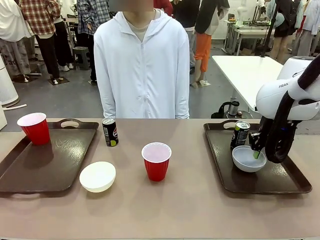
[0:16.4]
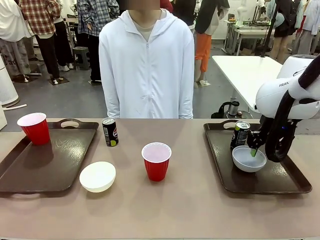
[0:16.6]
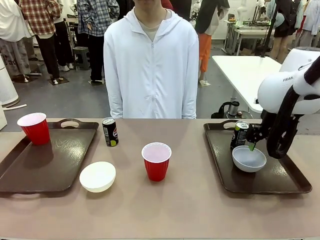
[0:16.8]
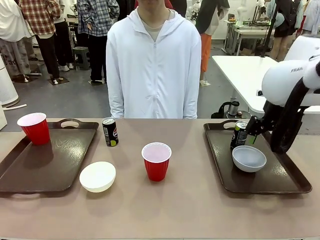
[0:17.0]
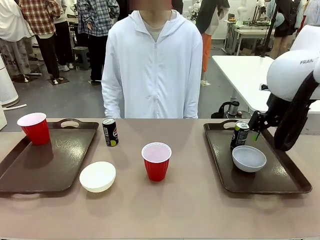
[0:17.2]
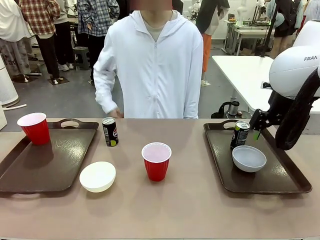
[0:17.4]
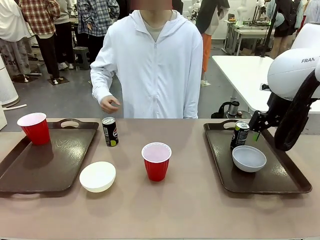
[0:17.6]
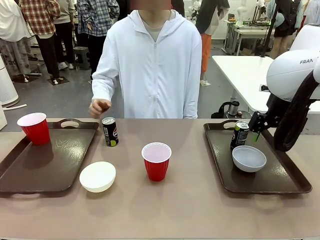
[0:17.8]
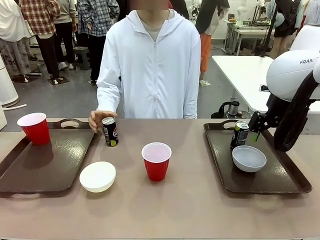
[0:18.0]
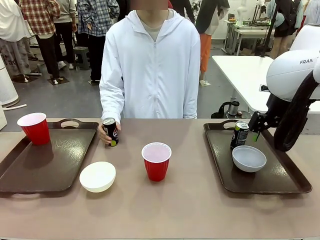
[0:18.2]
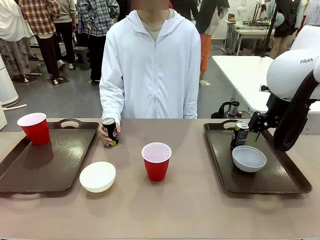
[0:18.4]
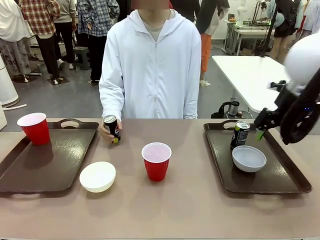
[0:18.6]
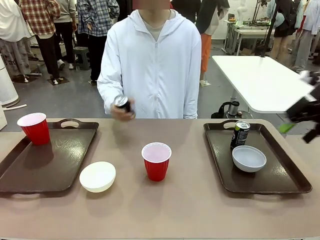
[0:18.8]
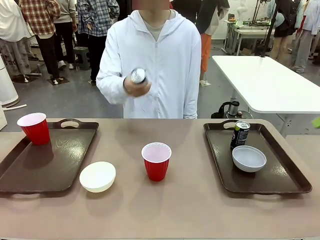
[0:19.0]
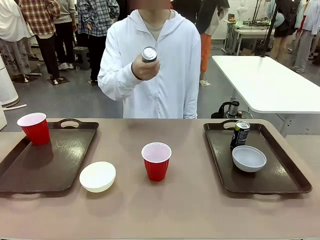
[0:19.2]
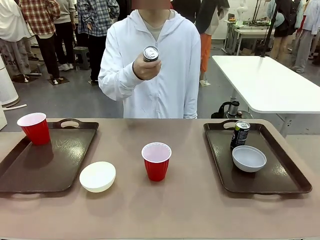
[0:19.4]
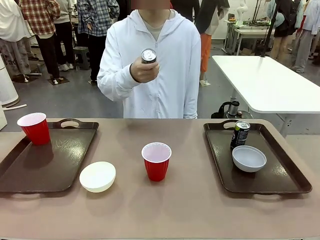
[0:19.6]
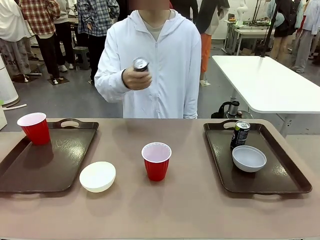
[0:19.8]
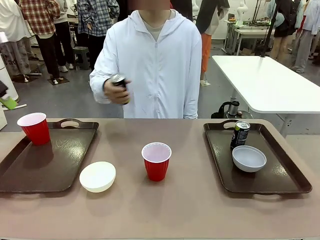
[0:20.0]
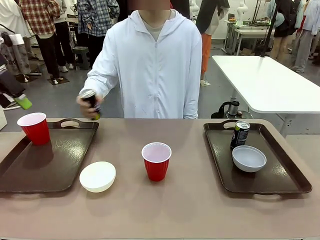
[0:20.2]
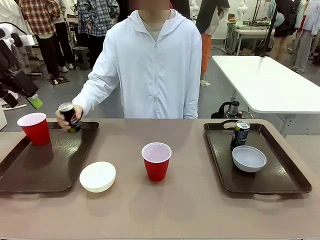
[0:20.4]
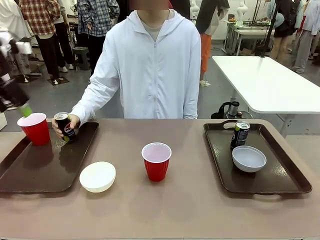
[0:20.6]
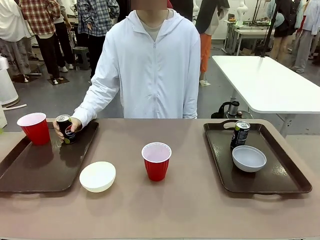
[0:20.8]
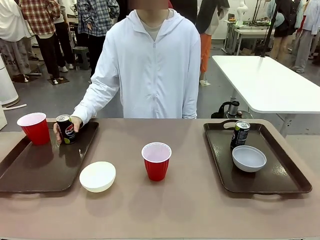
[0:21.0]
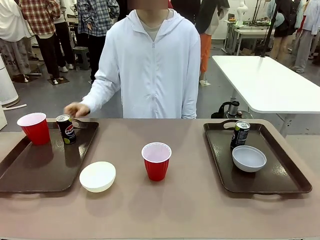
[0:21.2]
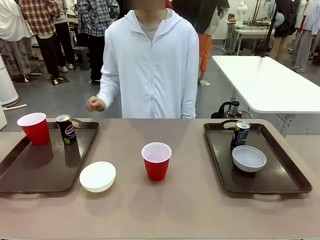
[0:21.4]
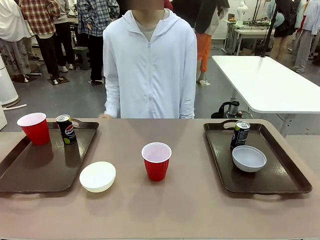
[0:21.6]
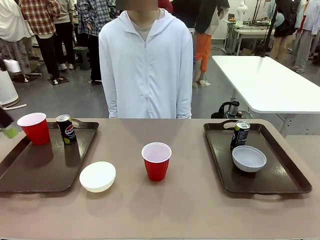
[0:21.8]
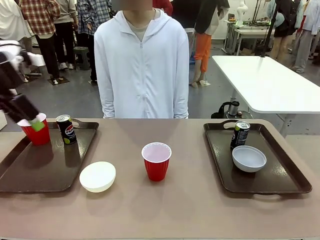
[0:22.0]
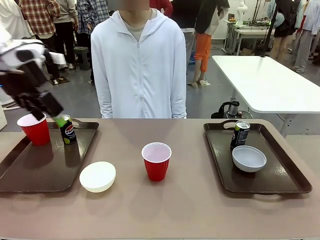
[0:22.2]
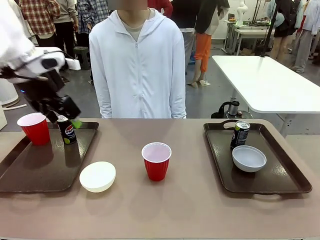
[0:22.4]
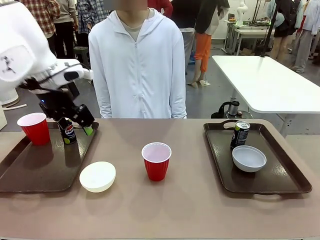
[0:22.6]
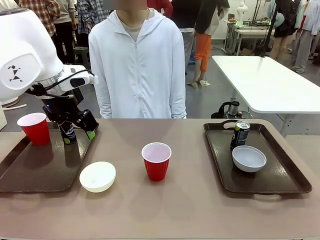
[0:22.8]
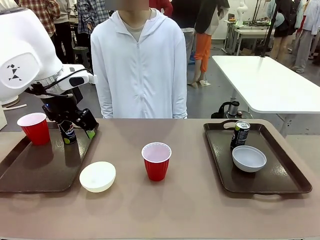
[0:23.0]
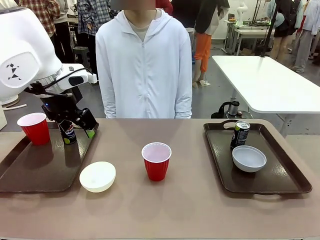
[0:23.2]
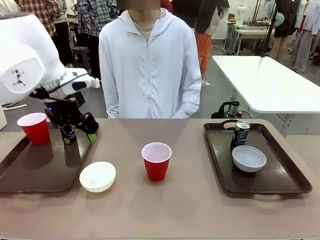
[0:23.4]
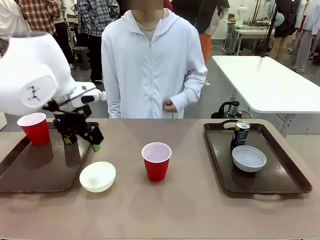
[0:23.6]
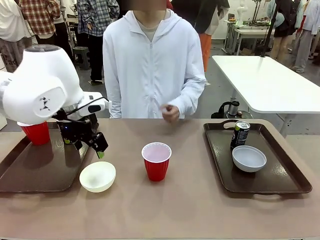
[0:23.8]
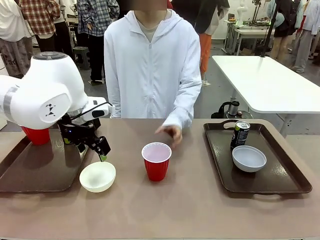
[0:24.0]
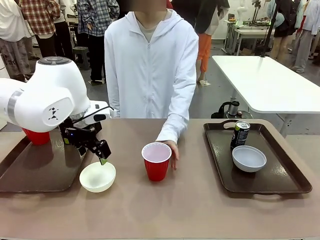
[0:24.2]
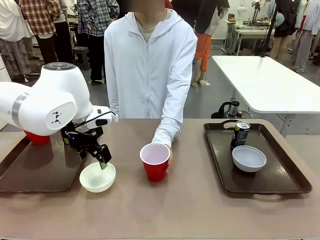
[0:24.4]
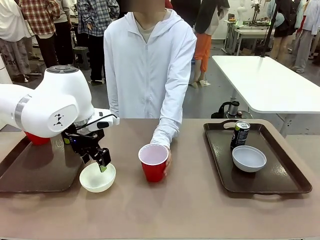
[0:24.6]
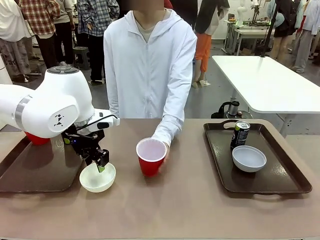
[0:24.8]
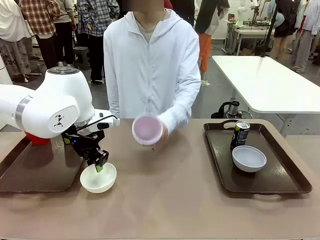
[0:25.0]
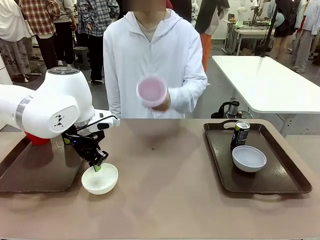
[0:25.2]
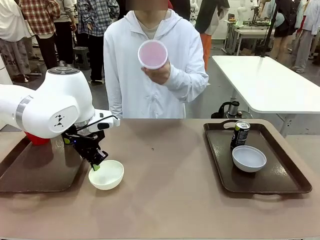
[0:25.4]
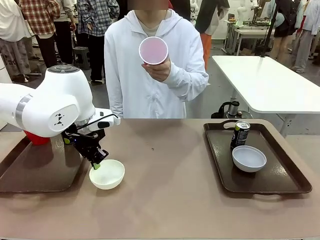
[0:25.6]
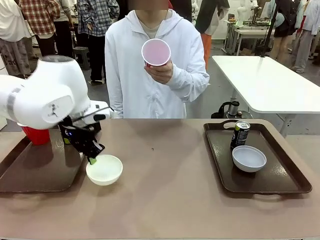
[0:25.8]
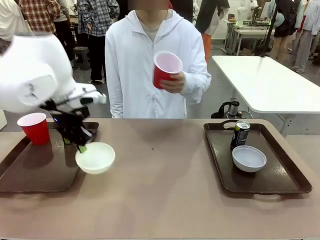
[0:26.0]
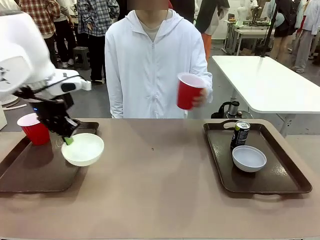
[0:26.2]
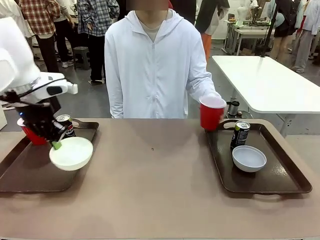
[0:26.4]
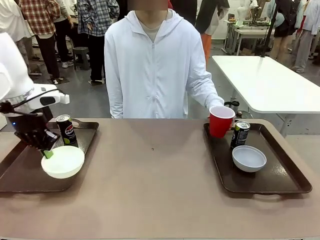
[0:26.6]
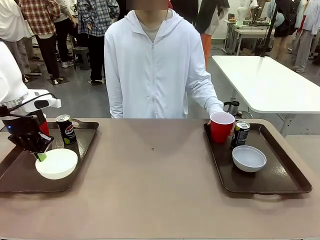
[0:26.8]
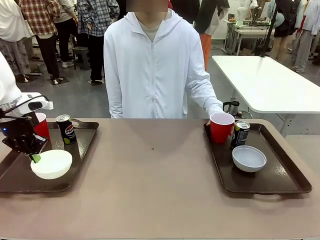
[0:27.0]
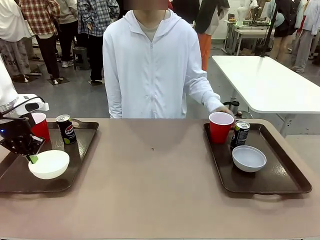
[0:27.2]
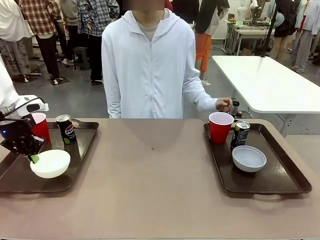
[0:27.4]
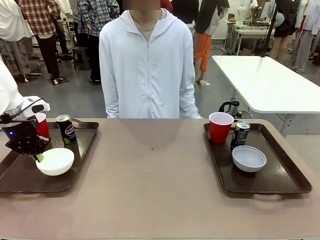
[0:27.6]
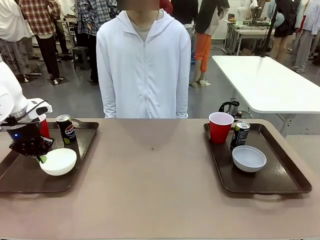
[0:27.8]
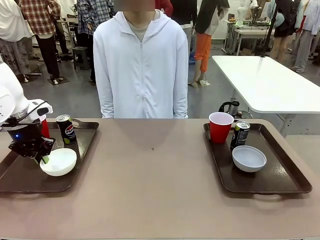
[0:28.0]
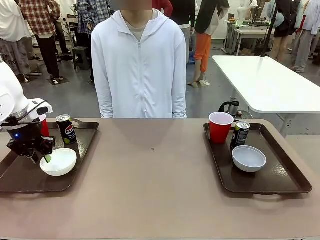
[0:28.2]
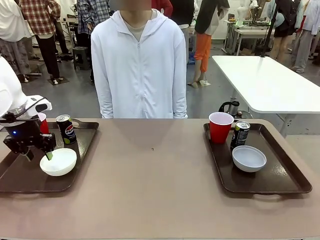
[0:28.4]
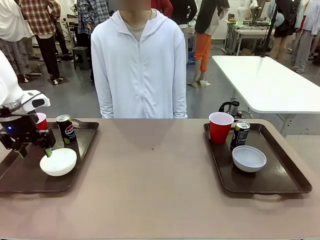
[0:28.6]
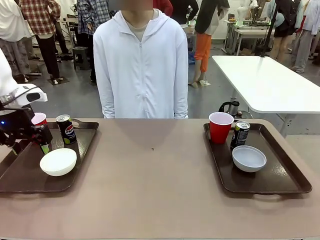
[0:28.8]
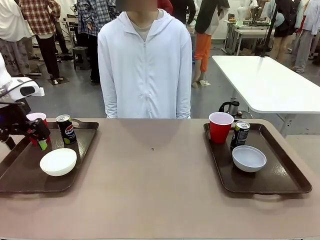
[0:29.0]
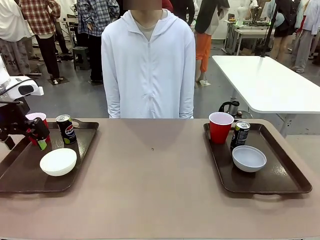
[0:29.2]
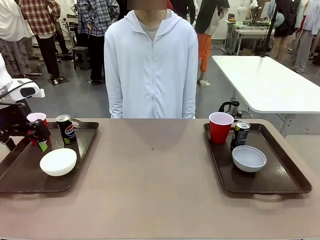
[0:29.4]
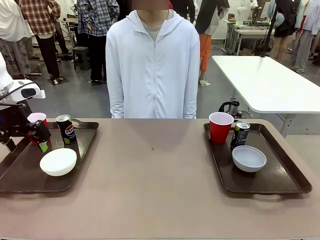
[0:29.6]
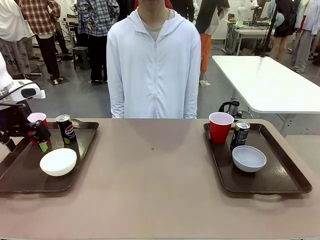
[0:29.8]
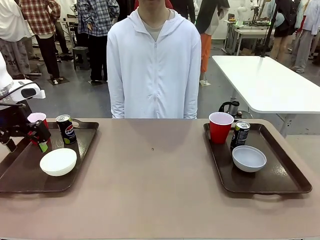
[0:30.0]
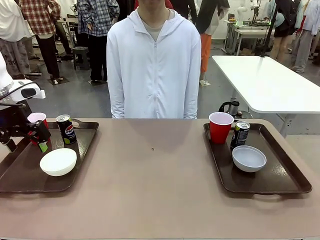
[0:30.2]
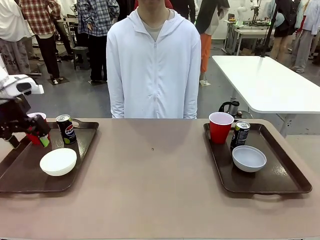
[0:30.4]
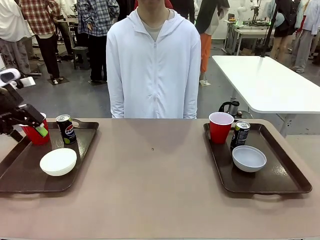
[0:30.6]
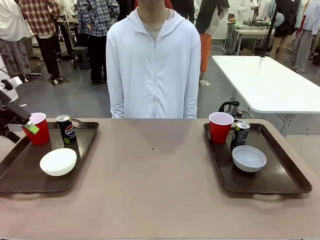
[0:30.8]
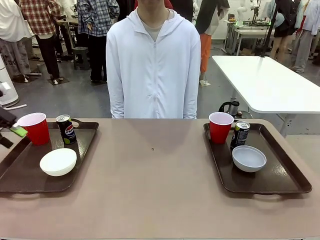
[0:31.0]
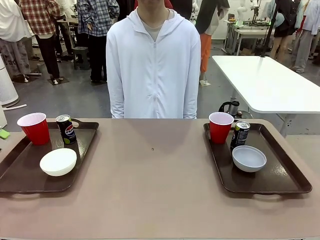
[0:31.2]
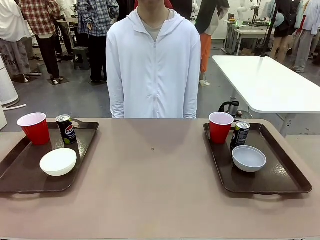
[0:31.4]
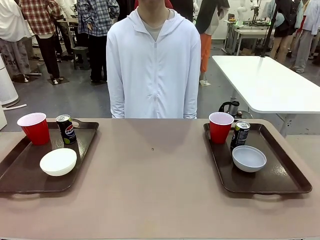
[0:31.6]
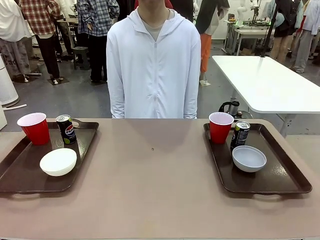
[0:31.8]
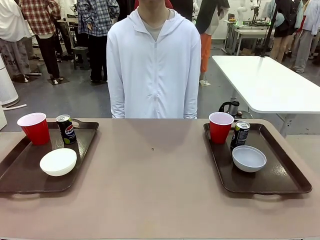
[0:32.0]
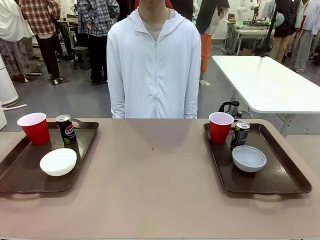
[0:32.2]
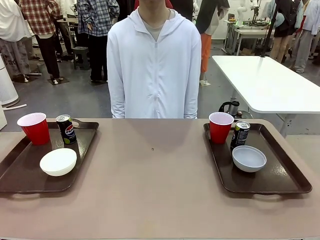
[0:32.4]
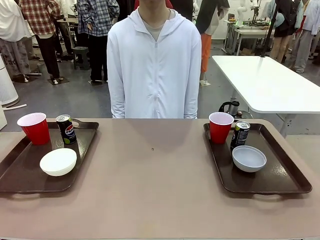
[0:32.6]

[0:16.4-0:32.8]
Task: Prepare tableware on both trays.
Robot: Pick up a Picnic Bowl from the table and place it on a Handle tray.
Person: Pick up a can or cup and place it on the tray without a can or cup.
